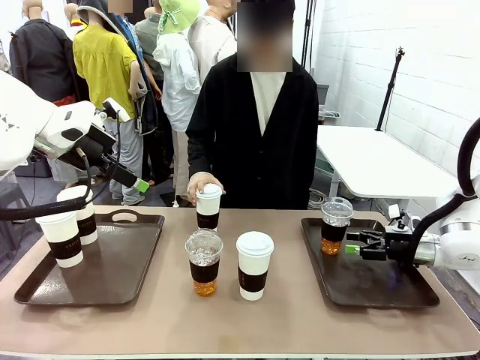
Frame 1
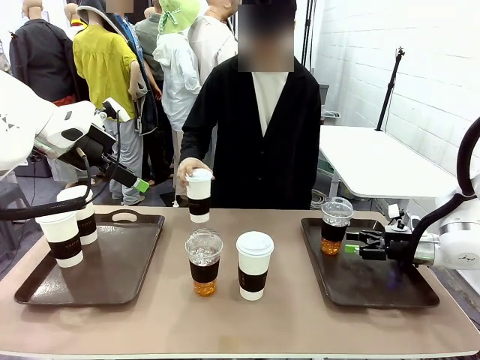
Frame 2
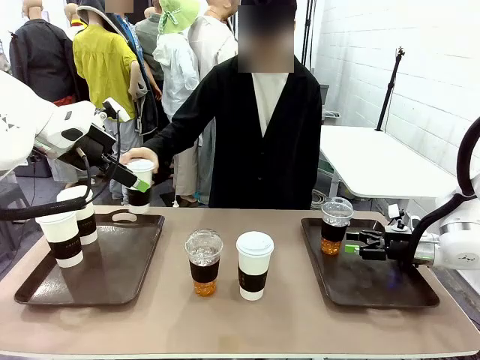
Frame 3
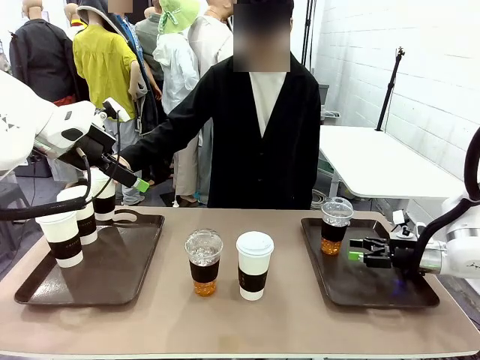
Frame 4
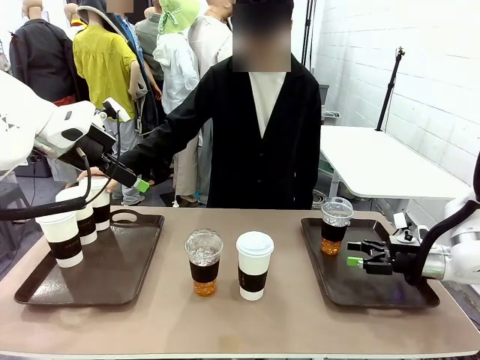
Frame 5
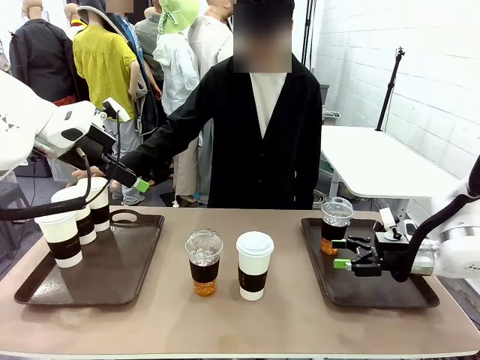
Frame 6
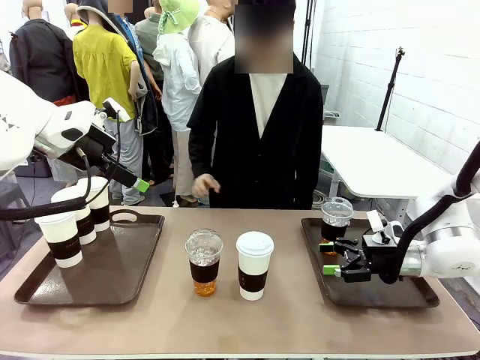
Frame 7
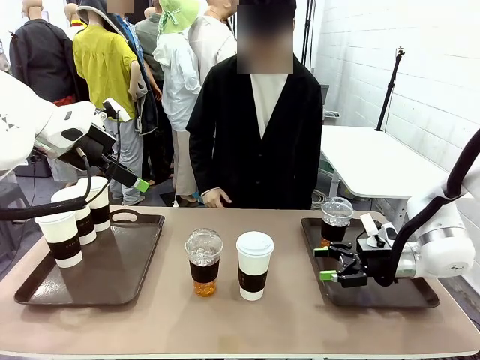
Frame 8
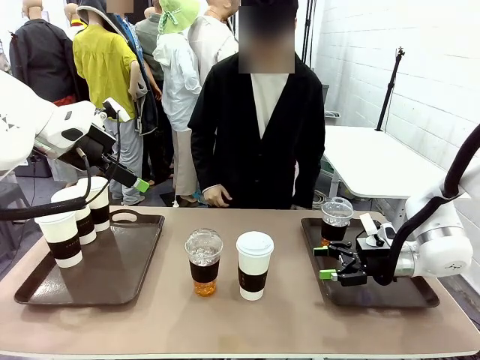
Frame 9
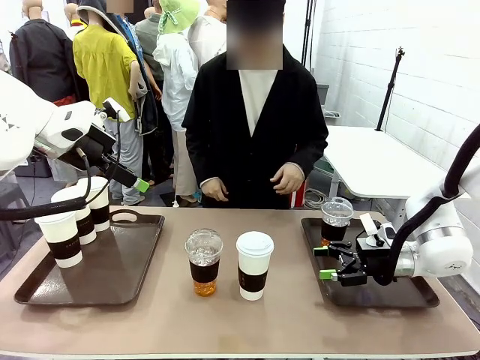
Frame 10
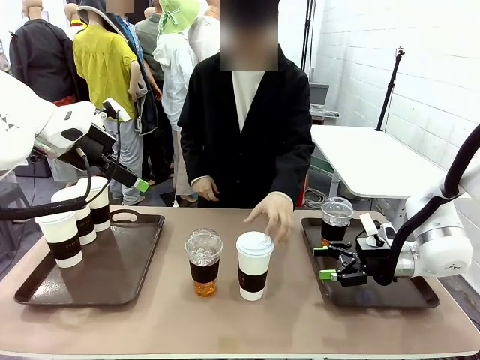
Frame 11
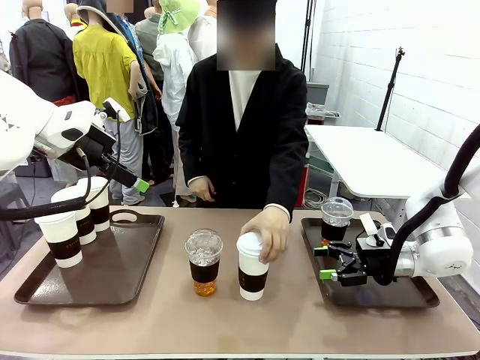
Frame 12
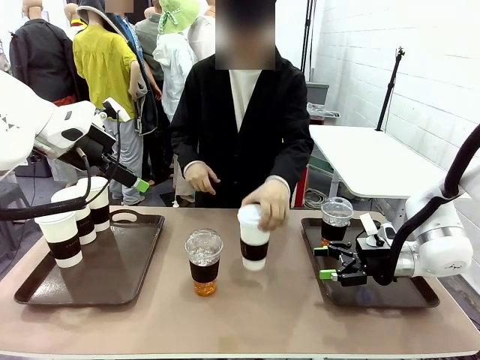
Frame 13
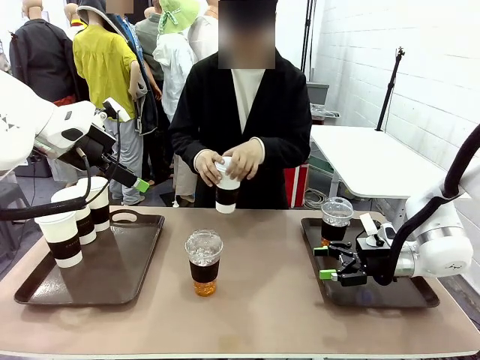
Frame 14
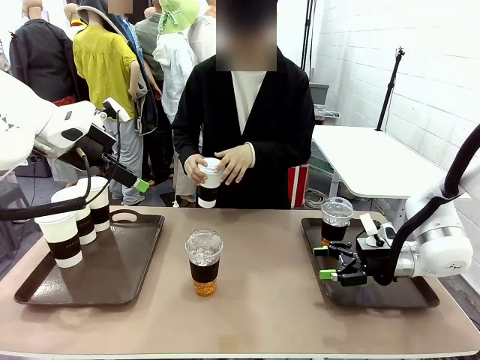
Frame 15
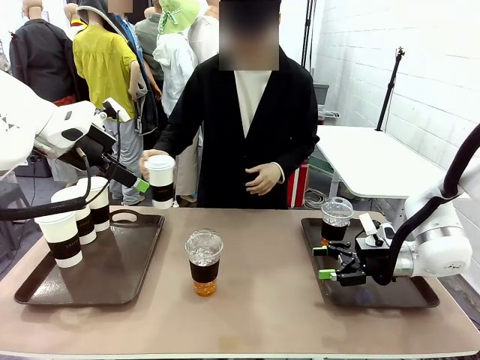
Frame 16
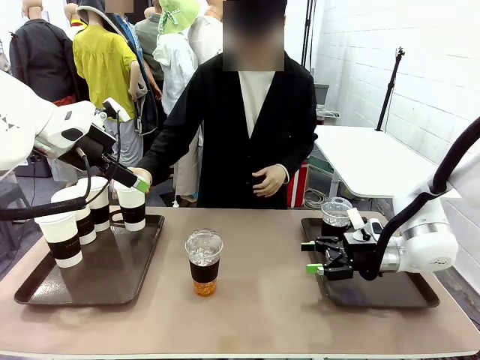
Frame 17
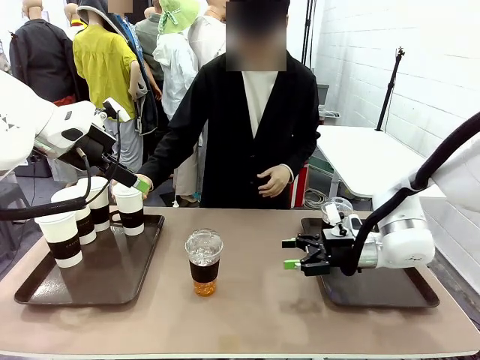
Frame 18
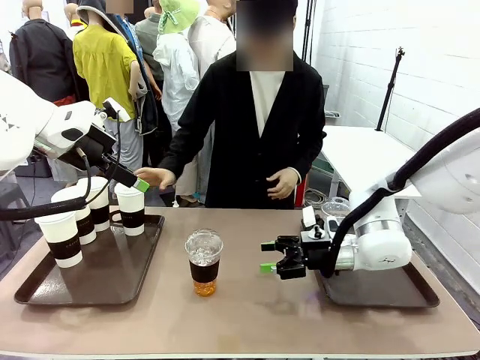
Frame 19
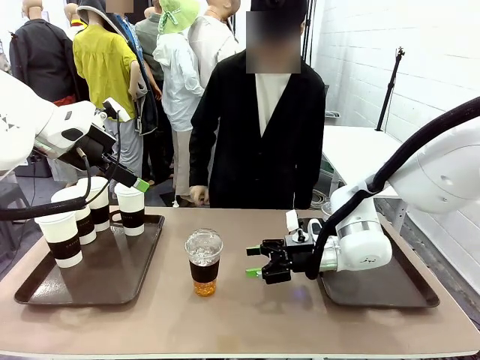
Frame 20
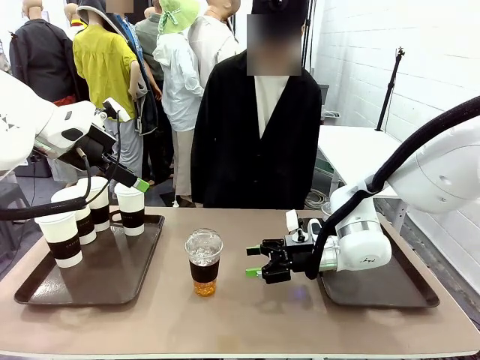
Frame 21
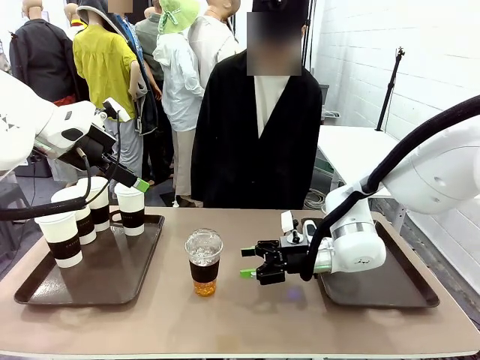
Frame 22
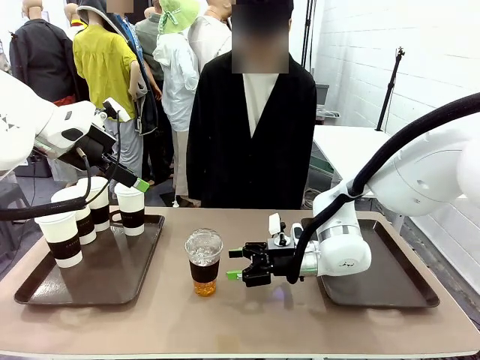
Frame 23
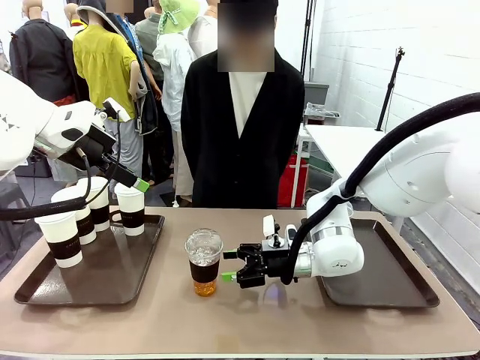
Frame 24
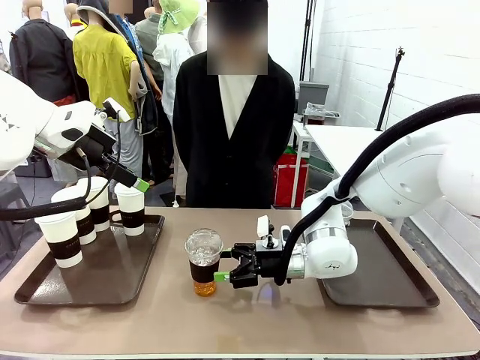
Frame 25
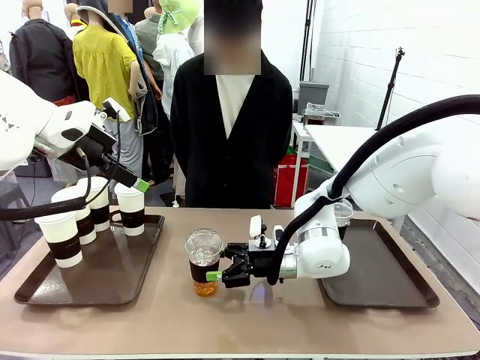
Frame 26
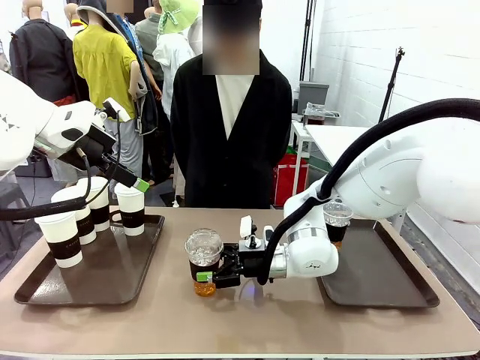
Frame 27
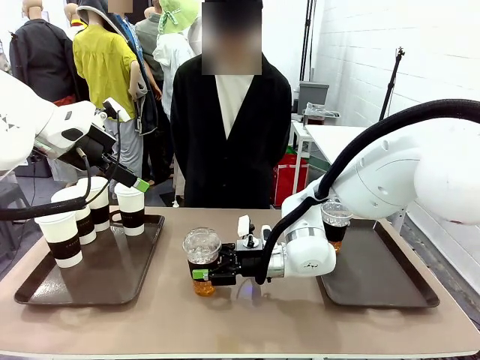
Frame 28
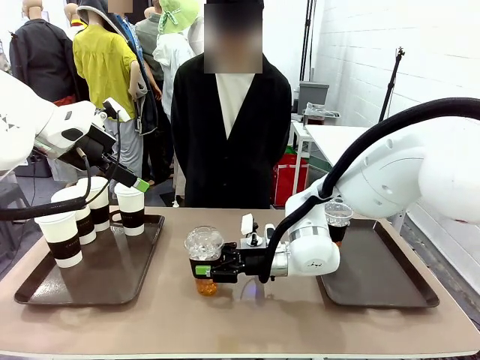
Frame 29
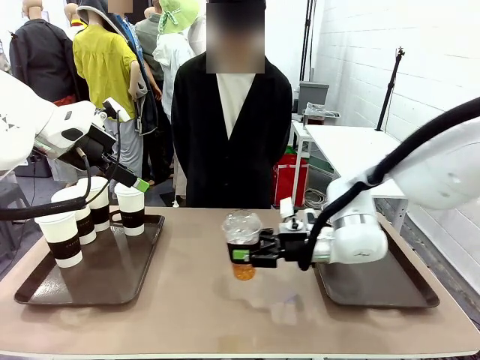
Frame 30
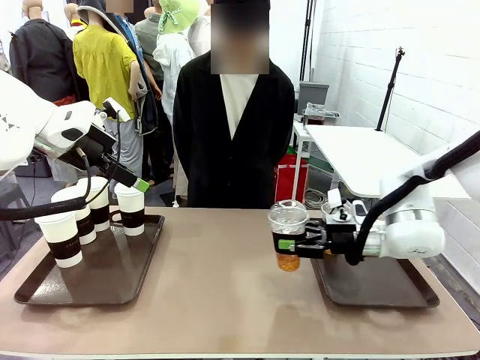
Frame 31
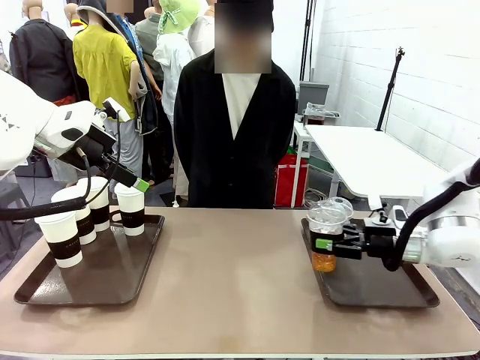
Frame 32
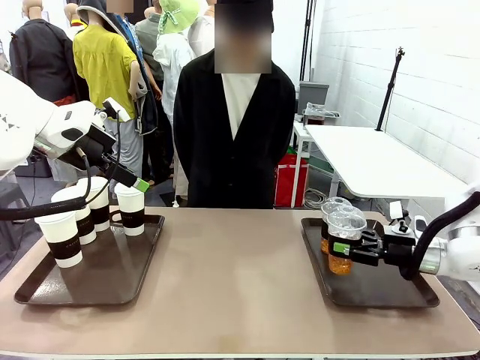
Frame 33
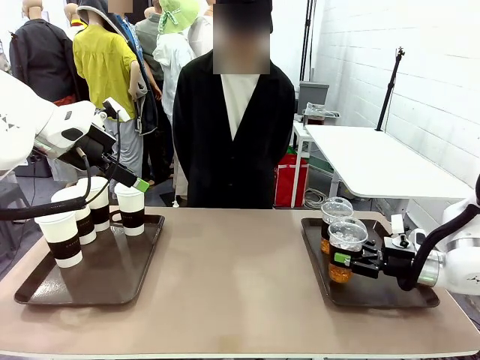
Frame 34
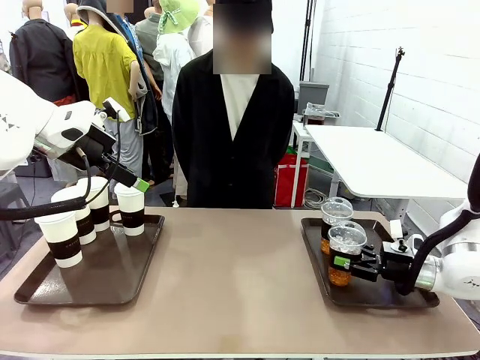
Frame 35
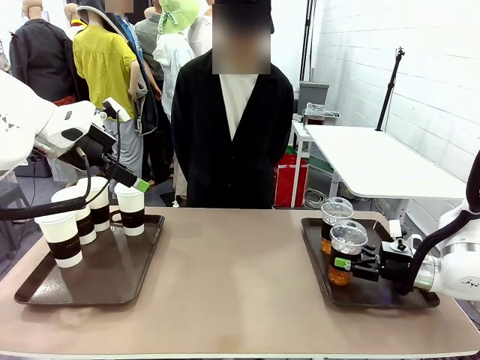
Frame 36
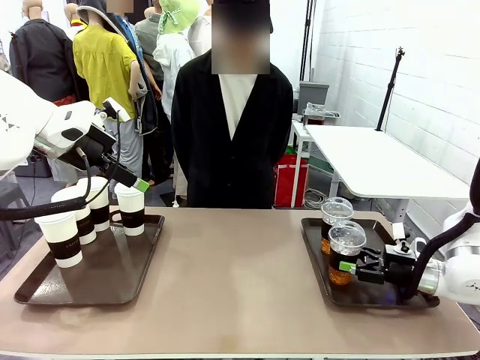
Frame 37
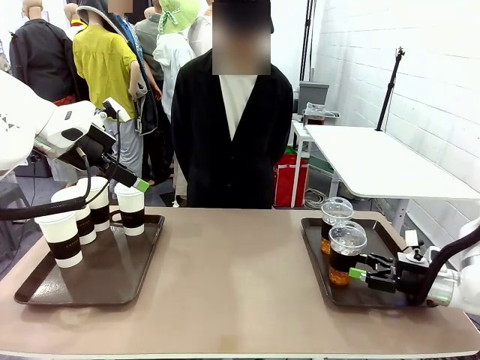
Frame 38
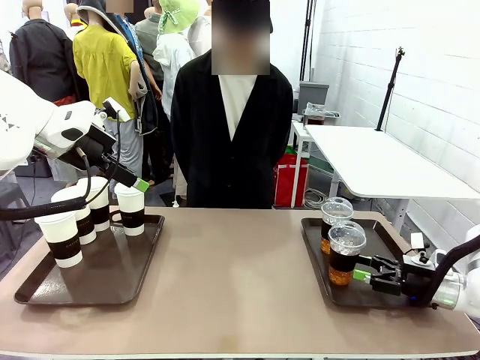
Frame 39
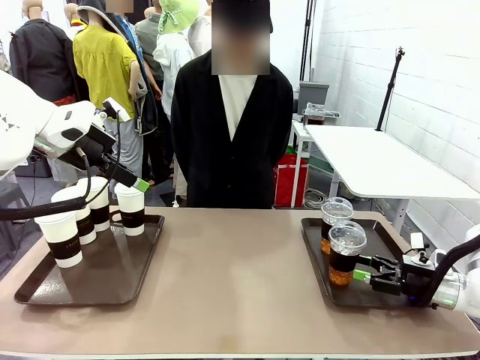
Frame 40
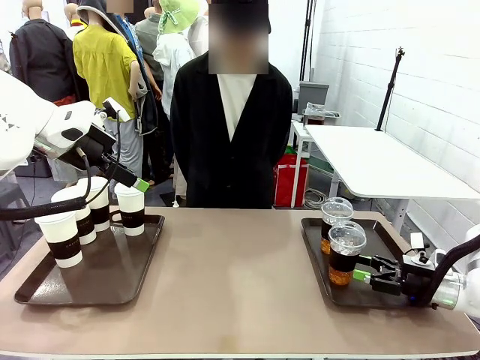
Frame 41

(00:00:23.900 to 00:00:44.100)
Task: Distribute the coffee onto the tray.
Robot: Pick up another iced Americano from the middle of the table and place it on the right Handle tray.
Person: Pick up a cup of hot Americano from the middle of the table and place it on the right tray.
